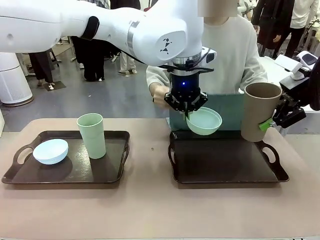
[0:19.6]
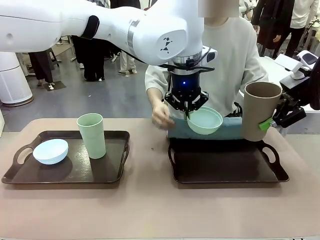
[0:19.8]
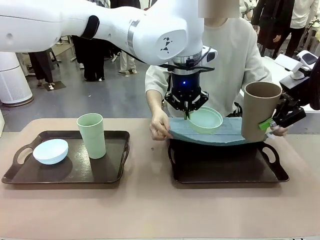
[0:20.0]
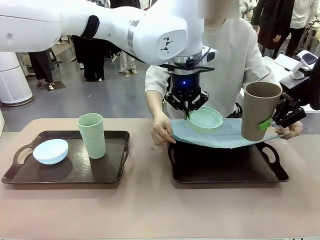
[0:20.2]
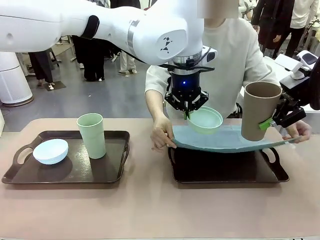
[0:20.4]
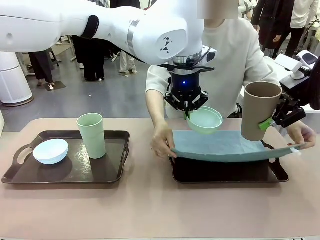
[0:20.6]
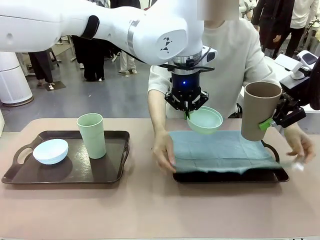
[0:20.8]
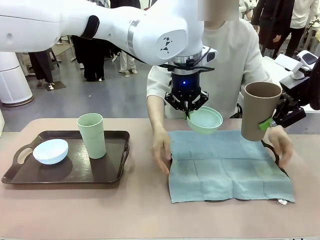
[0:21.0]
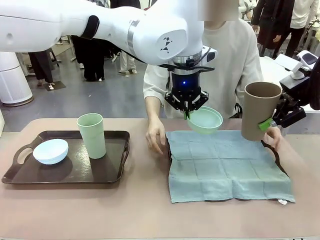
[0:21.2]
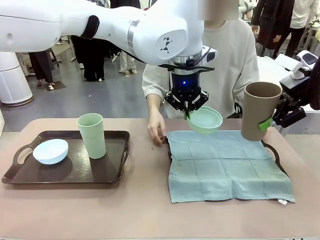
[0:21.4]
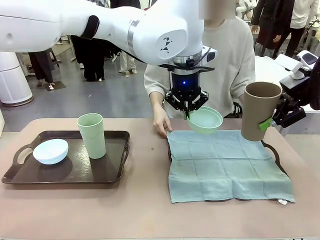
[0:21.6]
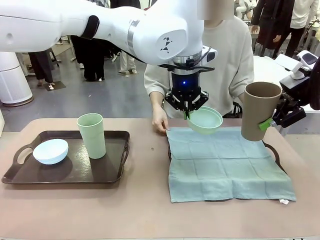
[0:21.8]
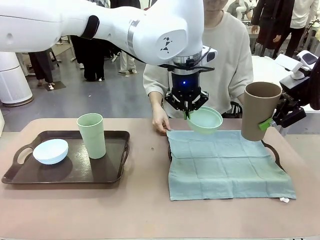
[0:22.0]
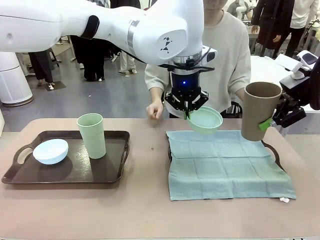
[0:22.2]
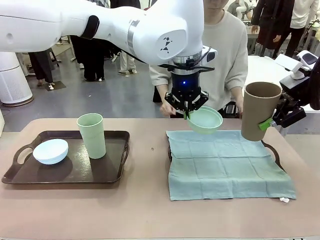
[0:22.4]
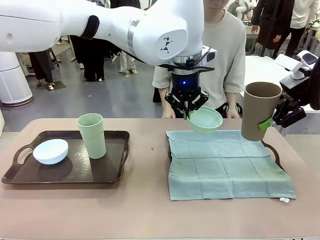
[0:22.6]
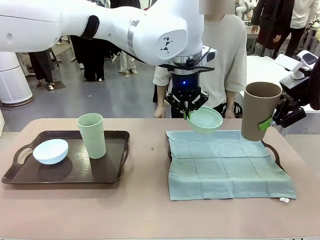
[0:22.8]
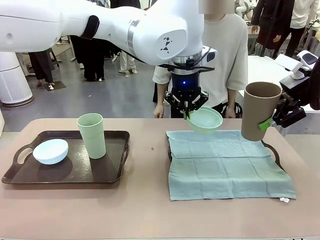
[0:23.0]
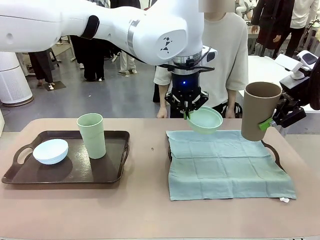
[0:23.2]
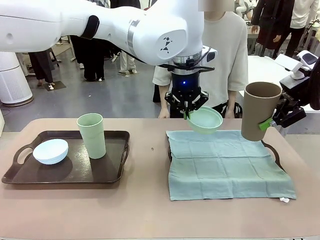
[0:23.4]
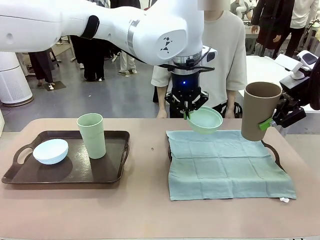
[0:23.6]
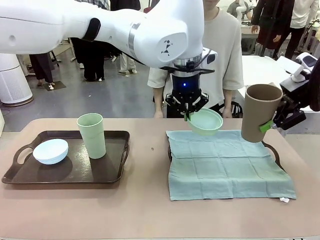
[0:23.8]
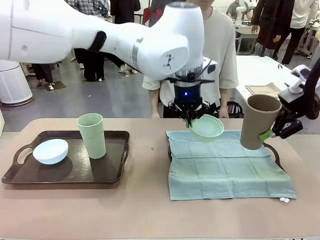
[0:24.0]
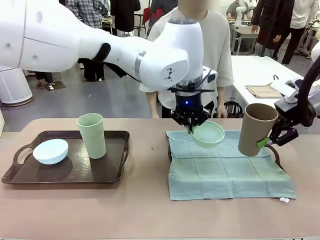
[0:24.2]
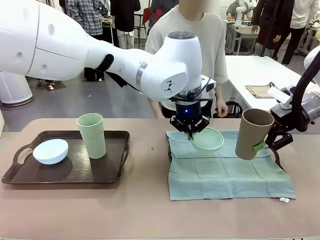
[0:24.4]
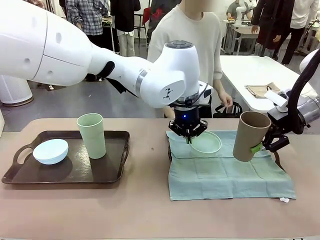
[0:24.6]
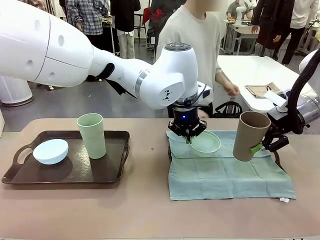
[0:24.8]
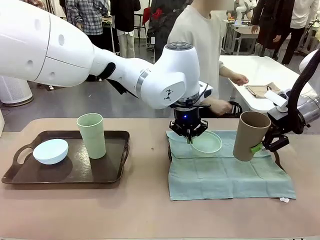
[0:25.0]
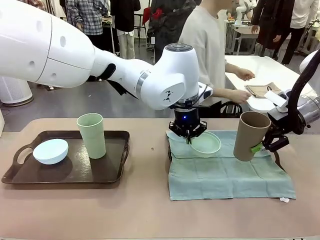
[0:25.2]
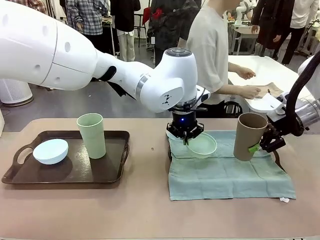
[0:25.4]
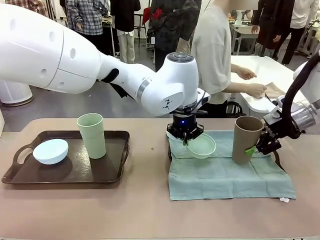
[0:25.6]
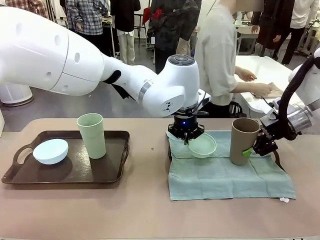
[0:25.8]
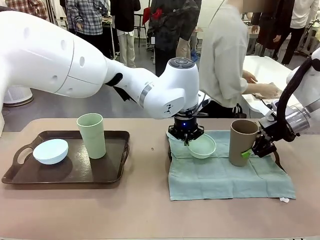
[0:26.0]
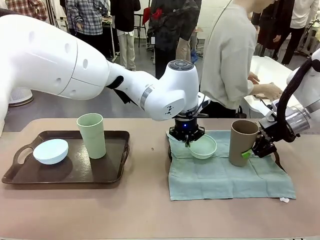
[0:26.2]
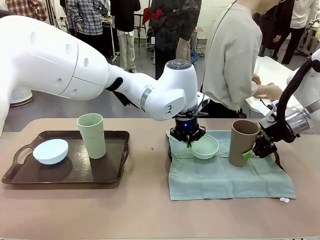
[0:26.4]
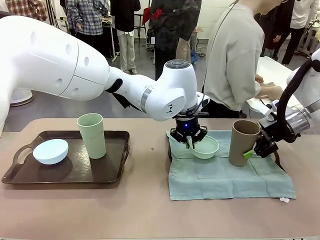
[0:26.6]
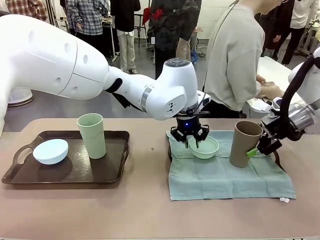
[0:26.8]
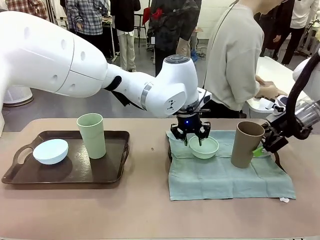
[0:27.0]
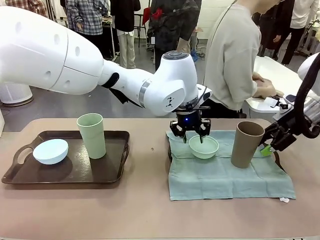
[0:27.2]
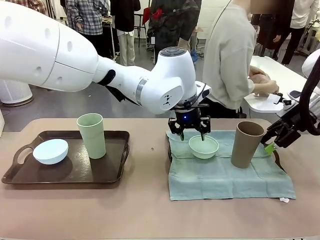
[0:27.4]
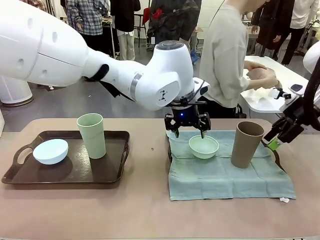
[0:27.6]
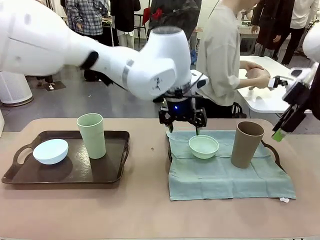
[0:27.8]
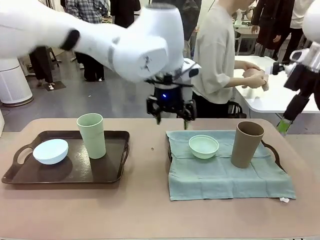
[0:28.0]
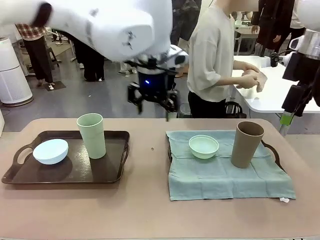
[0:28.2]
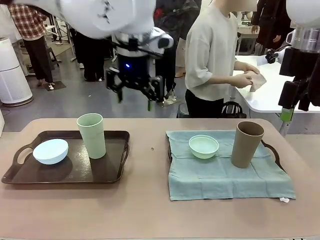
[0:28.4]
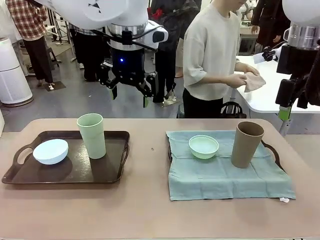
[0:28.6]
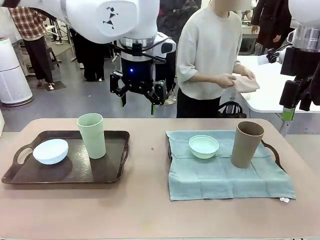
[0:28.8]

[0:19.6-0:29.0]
Robot: Place the Picnic Bowl and Reusable plastic cup back onto the Handle tray in front of the human's position.
Person: The human returns to the human table to pick up another napkin and walks to the robot table to stand in front of the tray without a napkin.
